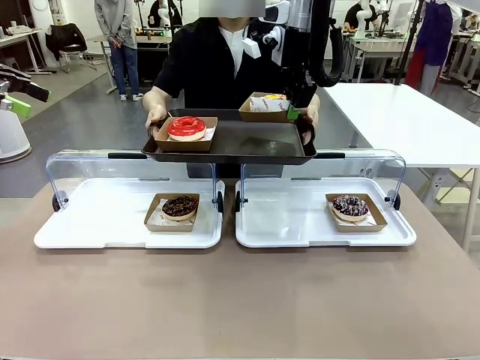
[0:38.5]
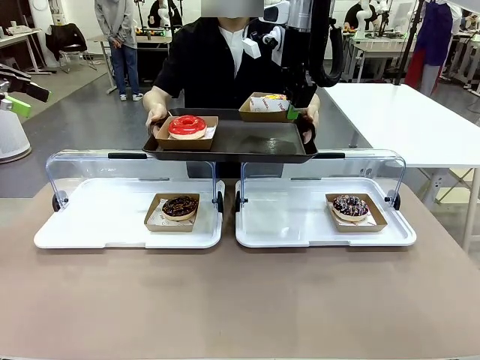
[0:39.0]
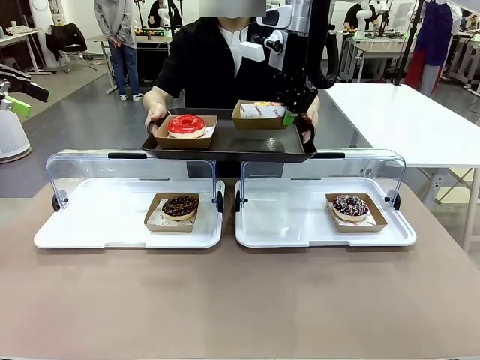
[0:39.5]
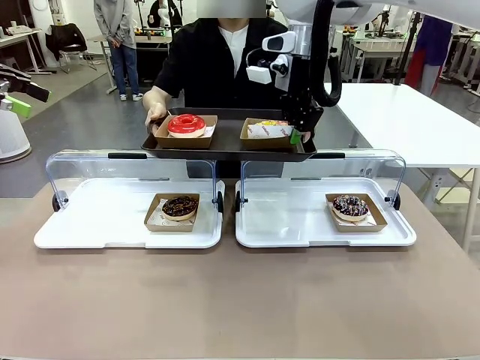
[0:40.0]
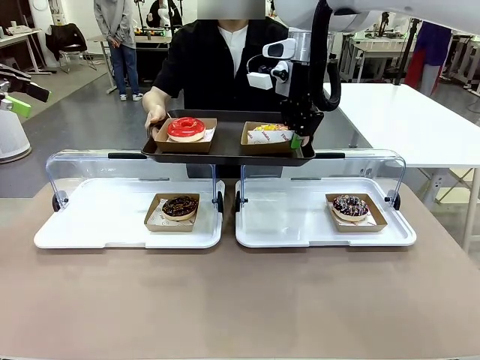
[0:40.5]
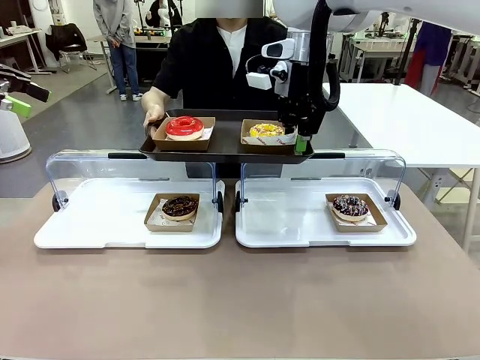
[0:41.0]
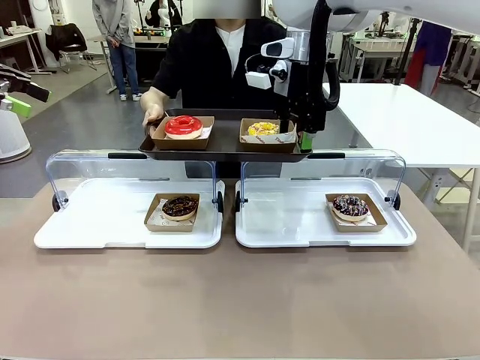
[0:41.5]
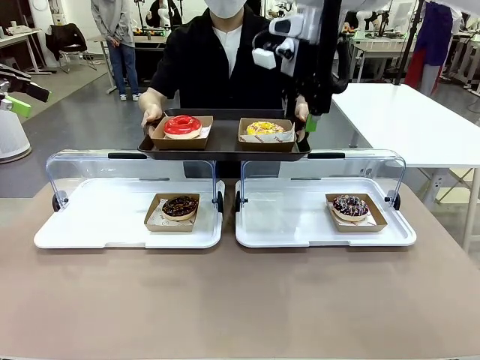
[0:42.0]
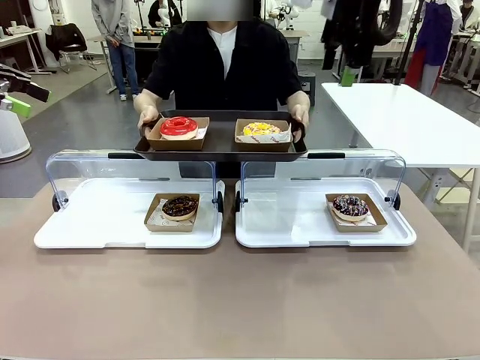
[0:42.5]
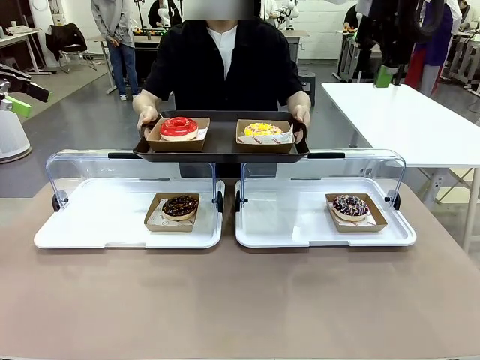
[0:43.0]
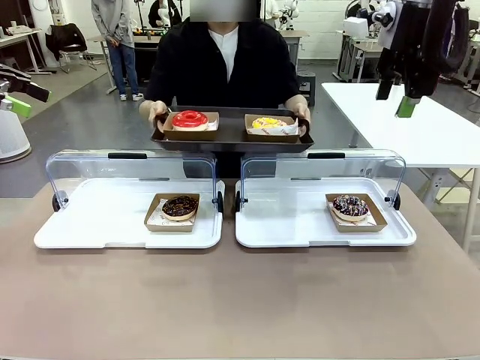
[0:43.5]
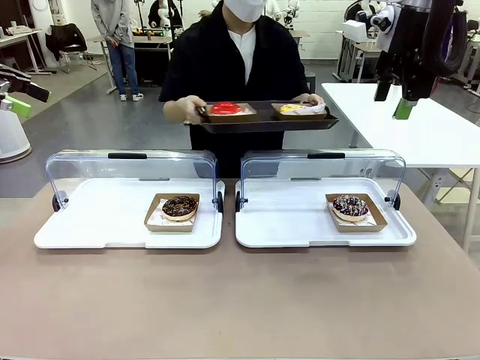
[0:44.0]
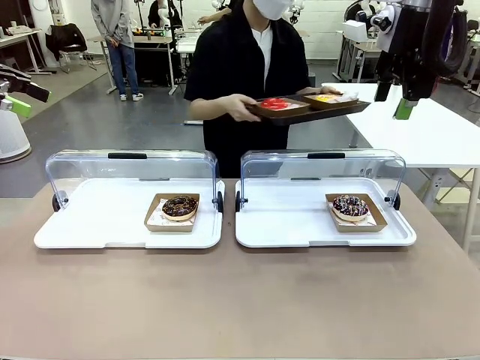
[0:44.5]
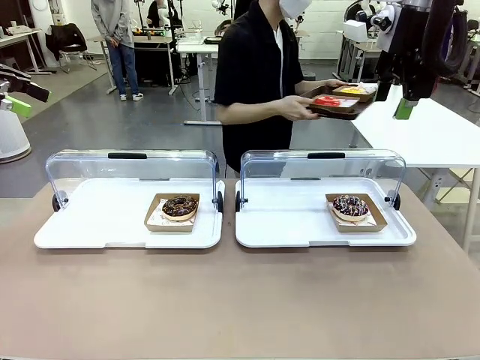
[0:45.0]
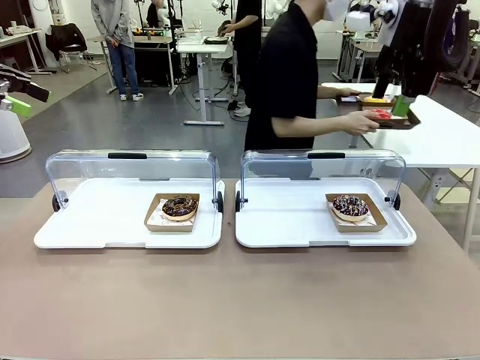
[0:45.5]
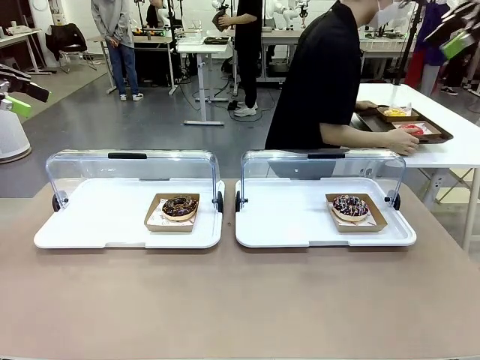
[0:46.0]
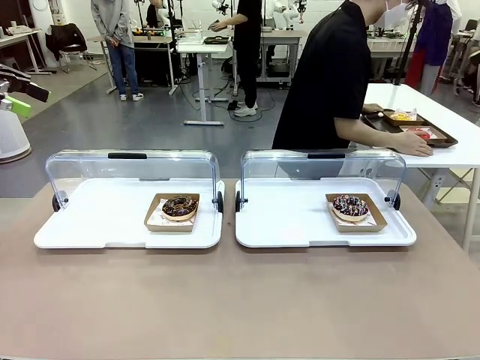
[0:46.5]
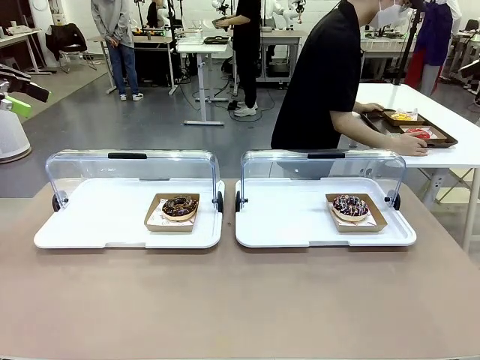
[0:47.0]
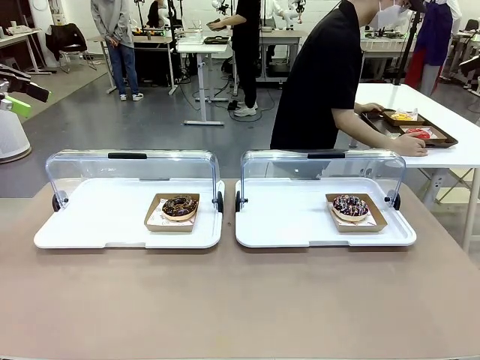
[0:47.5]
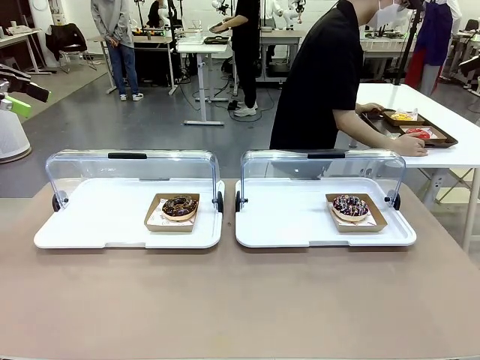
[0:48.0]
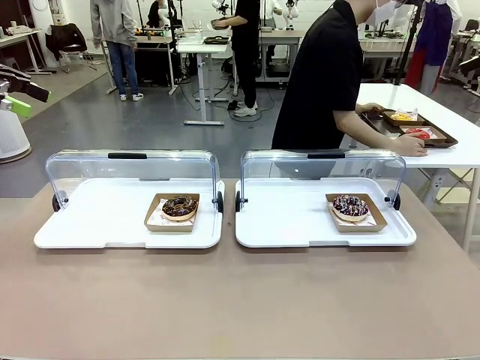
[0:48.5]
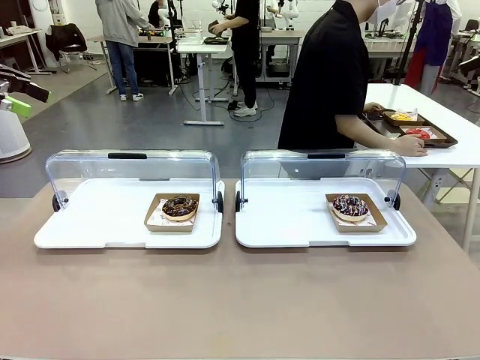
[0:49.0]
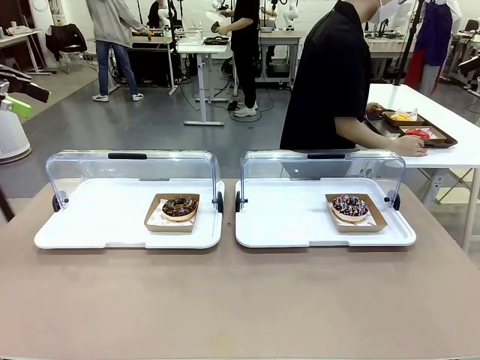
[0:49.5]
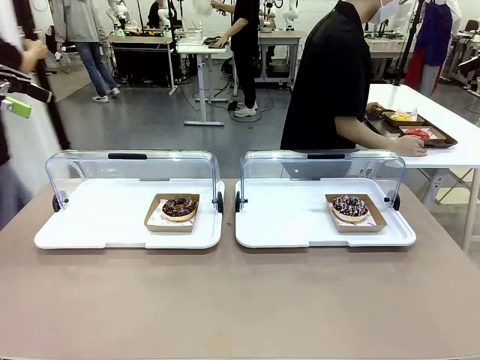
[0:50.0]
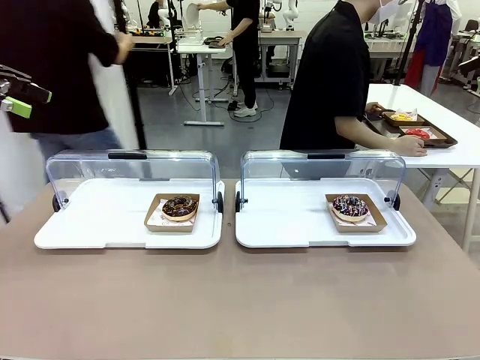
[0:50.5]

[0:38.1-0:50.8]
Task: Provide the desired donut to the person.
Robot: Place the picked Paper togo box onto the Handle tray extended by the person.
Person: Place the tray in the middle of the human table.

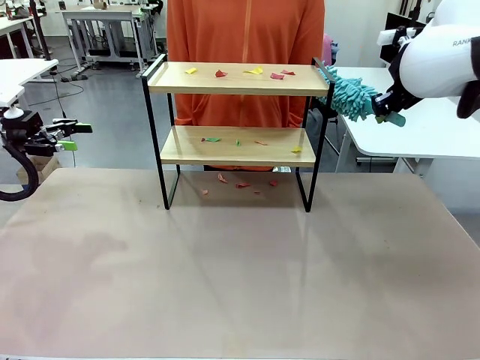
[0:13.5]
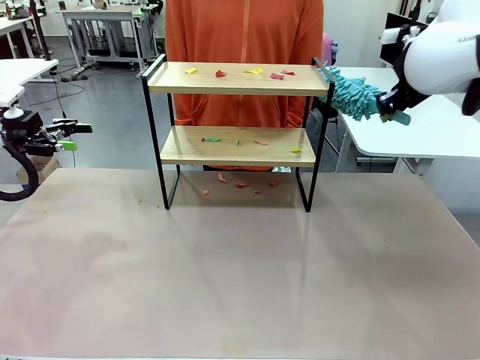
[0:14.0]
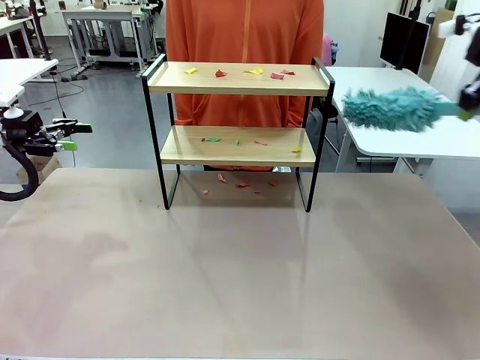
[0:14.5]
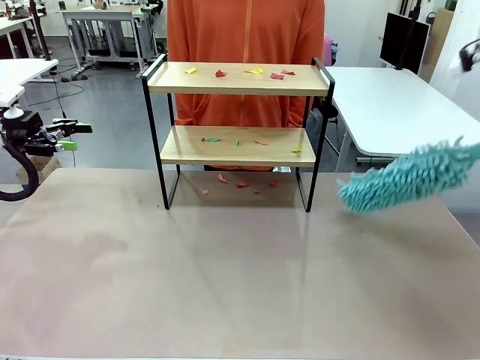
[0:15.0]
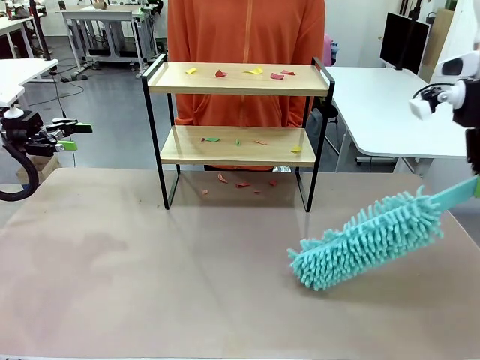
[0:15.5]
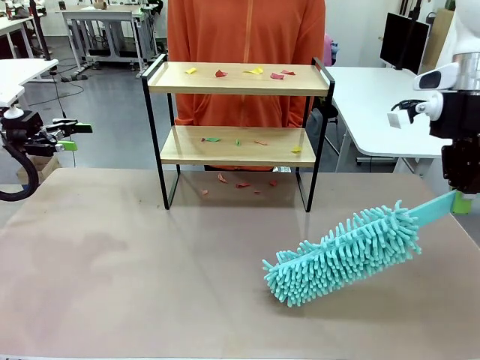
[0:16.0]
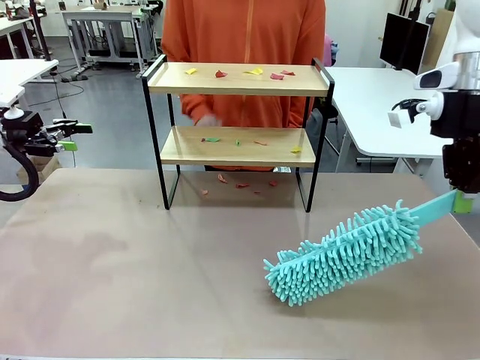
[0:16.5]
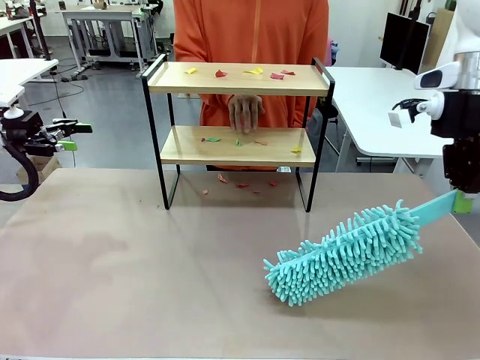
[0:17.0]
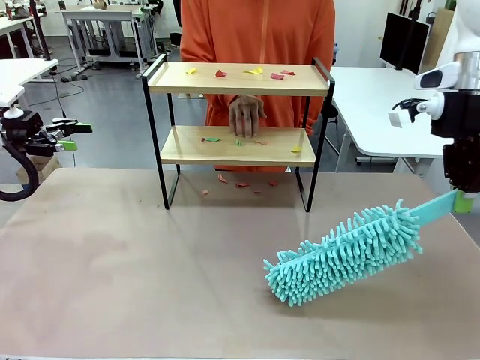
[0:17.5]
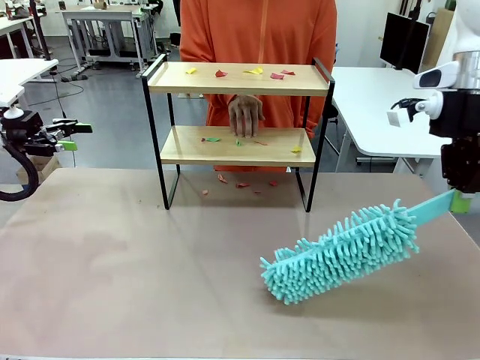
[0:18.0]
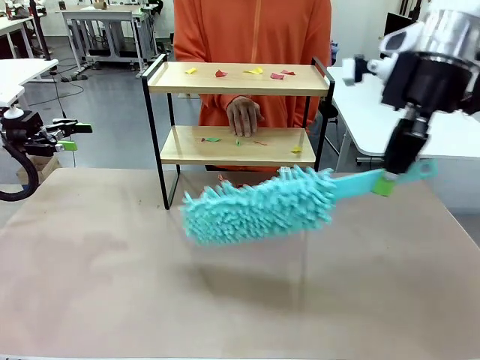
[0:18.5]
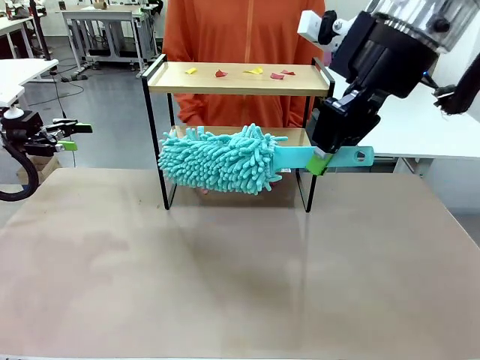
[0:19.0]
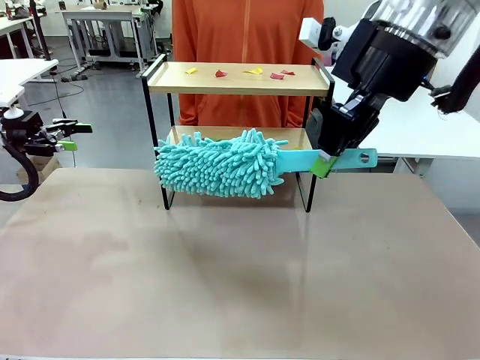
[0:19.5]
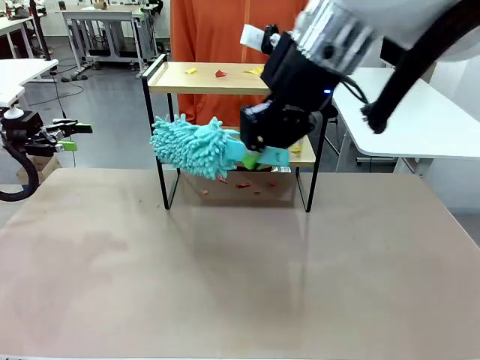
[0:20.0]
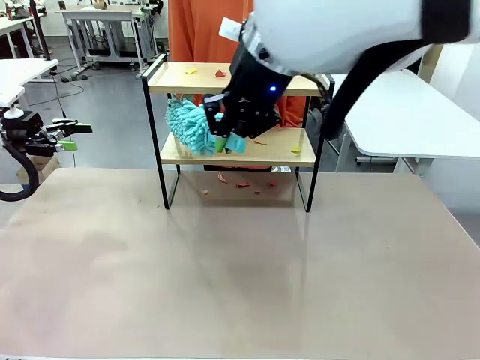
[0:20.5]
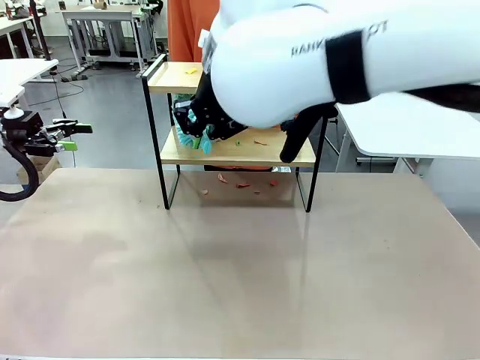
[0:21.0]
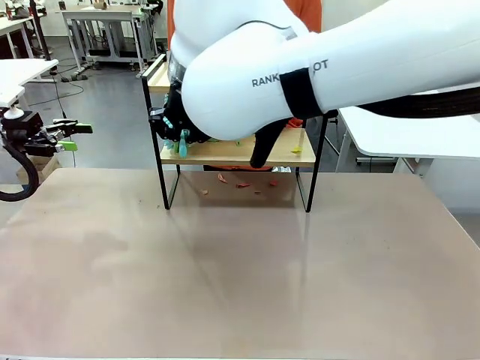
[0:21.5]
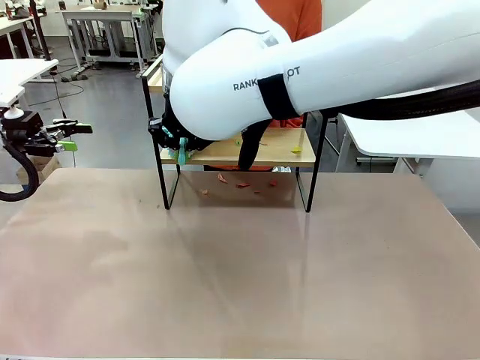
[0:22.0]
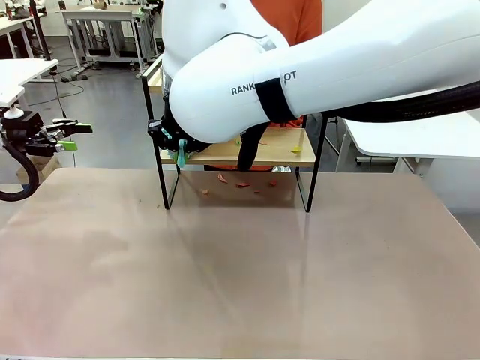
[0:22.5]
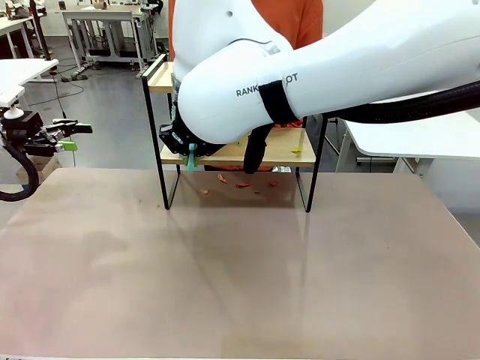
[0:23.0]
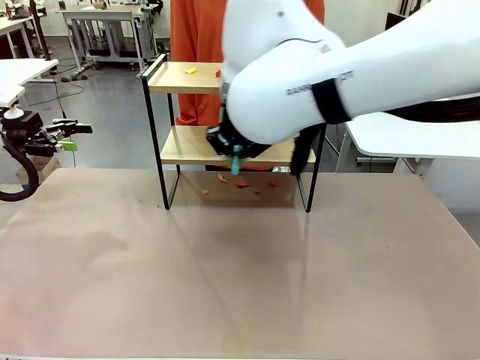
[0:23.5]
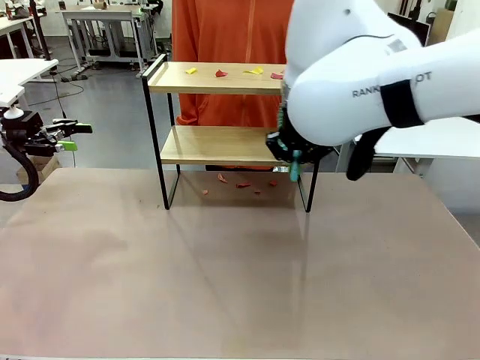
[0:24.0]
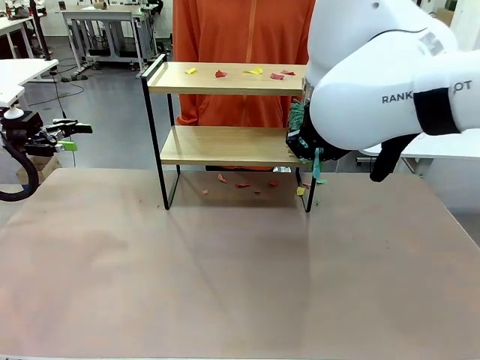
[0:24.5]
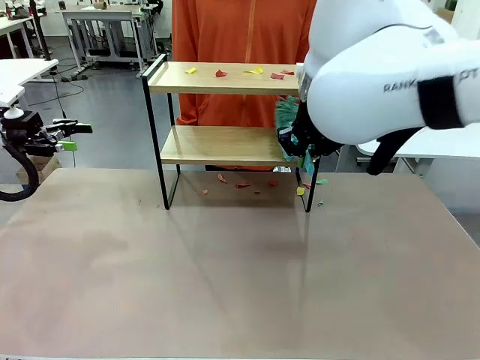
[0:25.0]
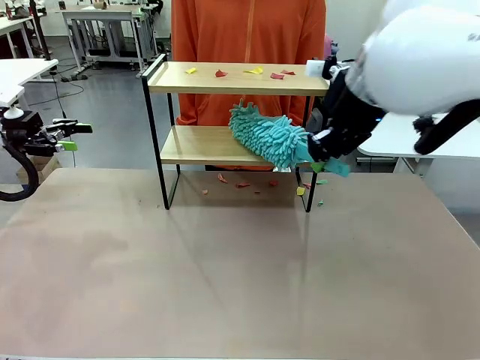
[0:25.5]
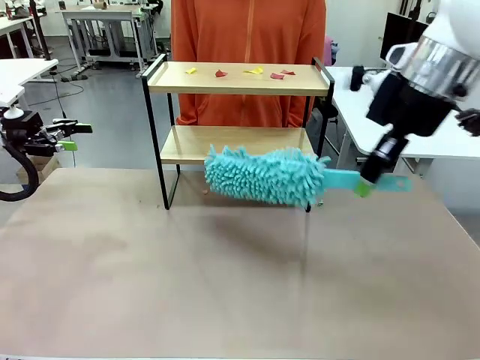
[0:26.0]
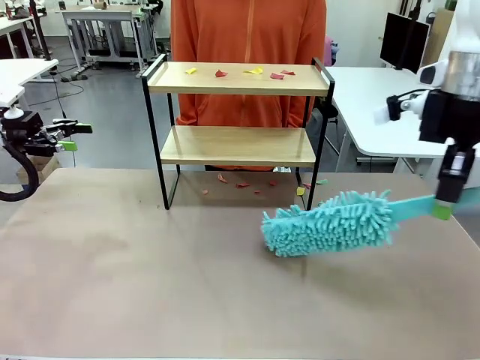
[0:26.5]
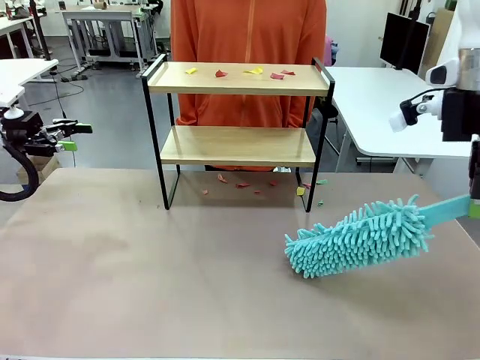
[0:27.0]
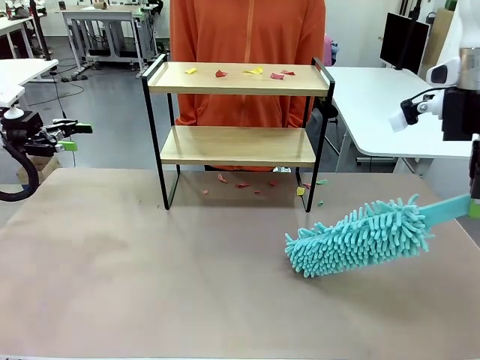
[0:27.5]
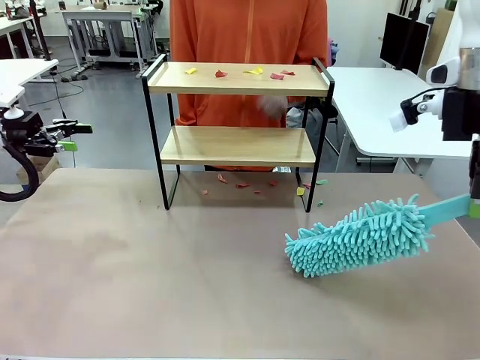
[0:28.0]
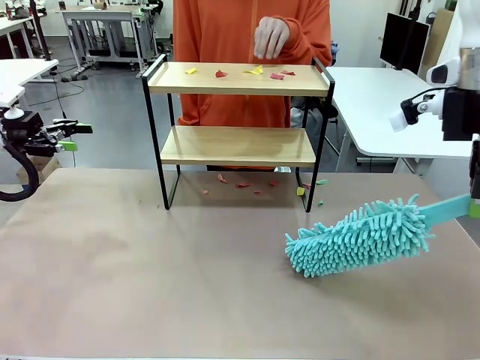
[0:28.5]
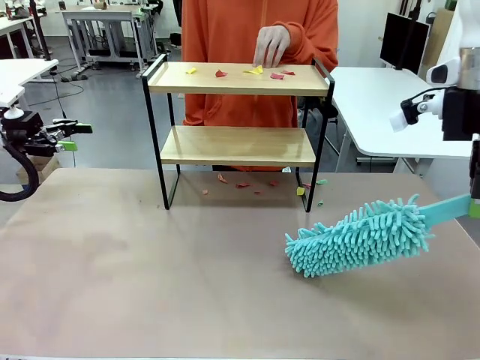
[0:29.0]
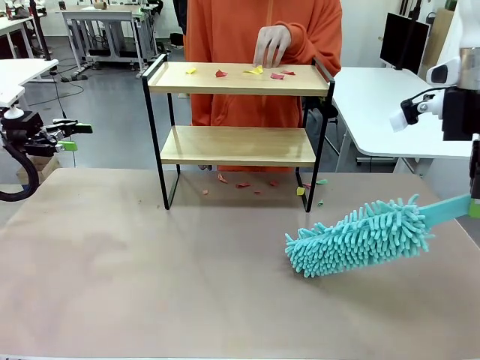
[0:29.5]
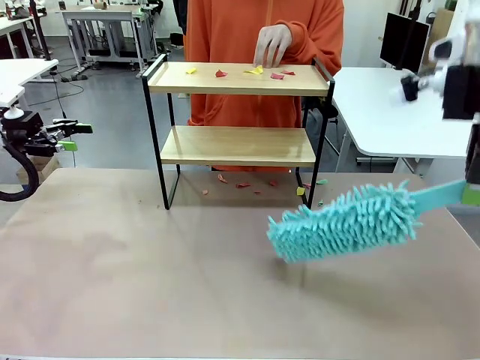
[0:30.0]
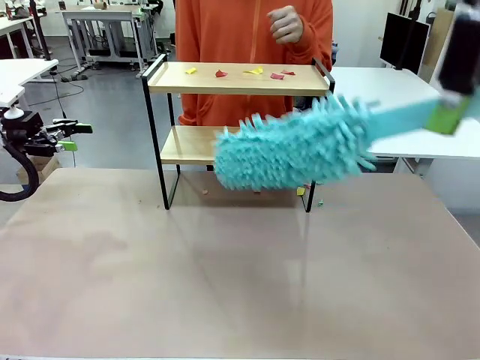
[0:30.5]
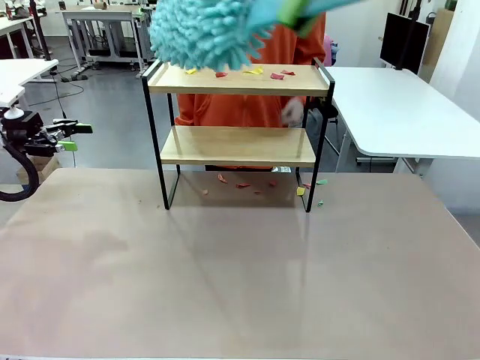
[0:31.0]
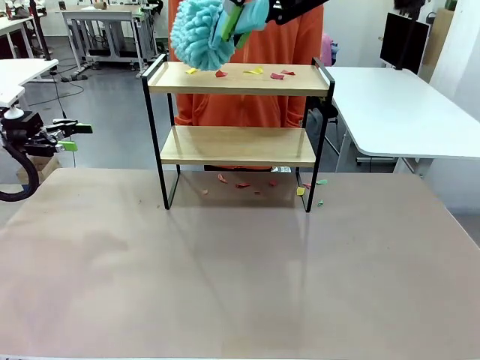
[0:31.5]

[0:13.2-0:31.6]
Task: Clean the shelf.
Robot: Clean the specific section of the Shelf indicated by the human with the Duster.
Person: Point a random section of the Shelf.
